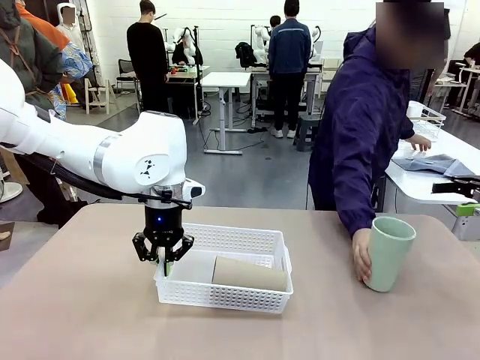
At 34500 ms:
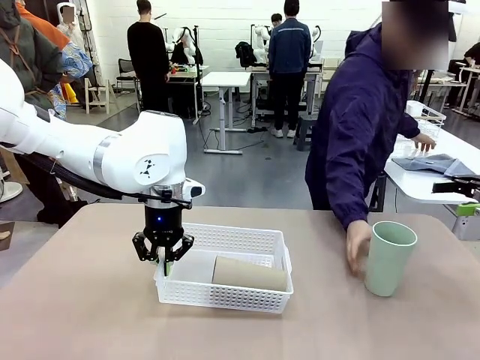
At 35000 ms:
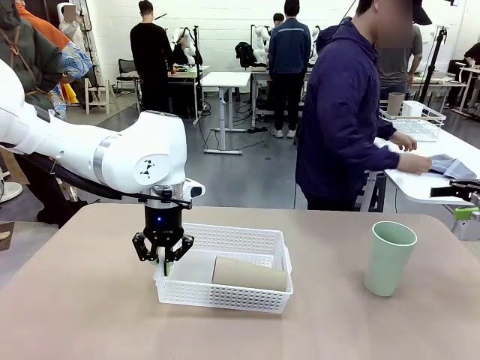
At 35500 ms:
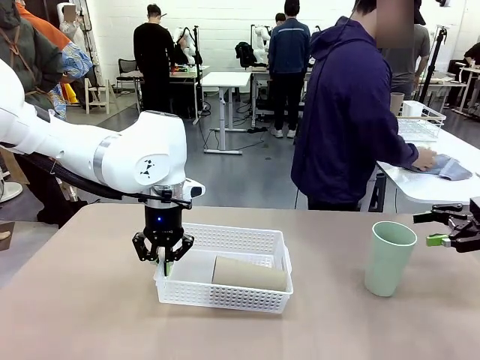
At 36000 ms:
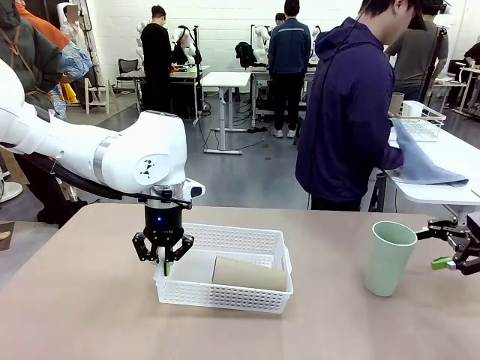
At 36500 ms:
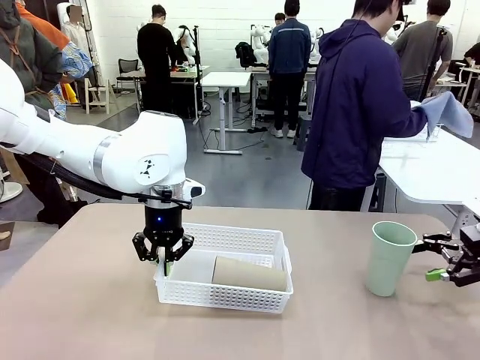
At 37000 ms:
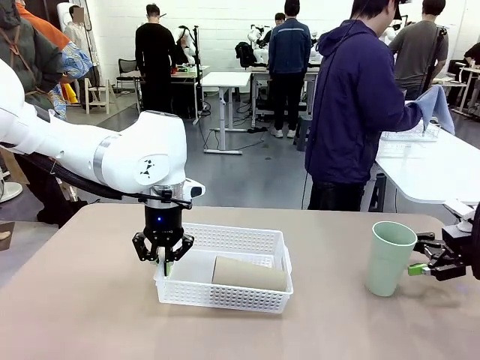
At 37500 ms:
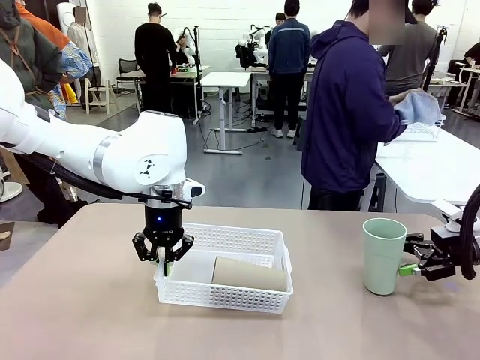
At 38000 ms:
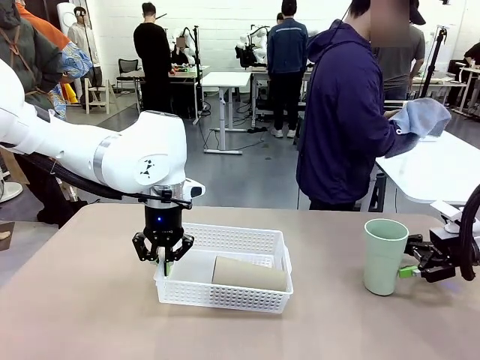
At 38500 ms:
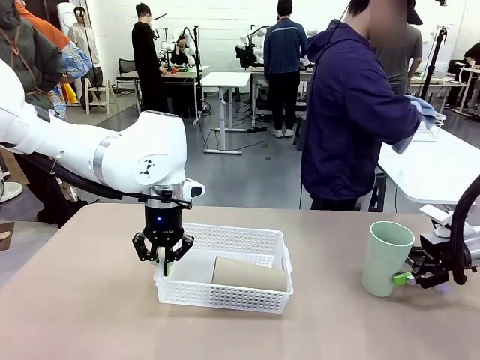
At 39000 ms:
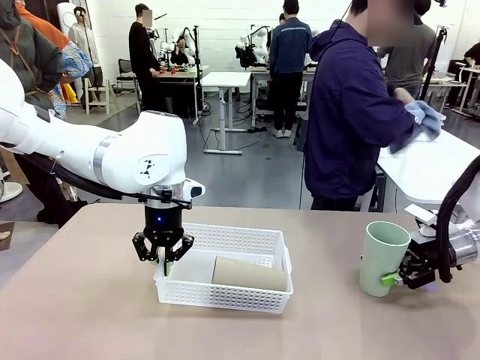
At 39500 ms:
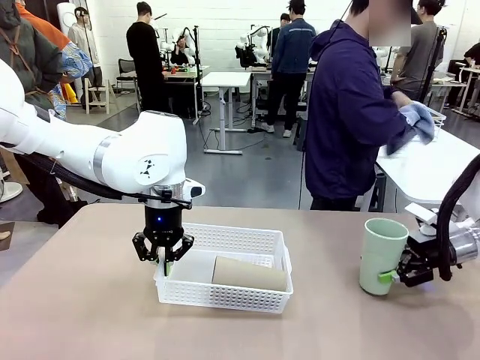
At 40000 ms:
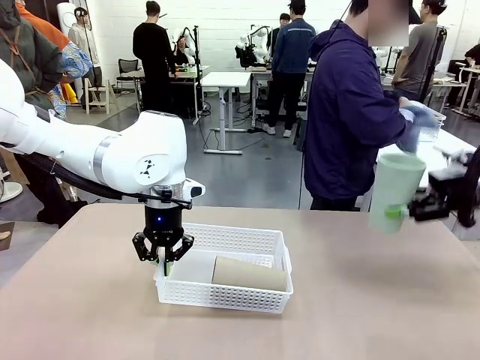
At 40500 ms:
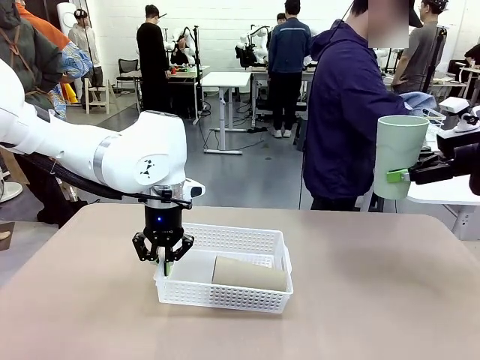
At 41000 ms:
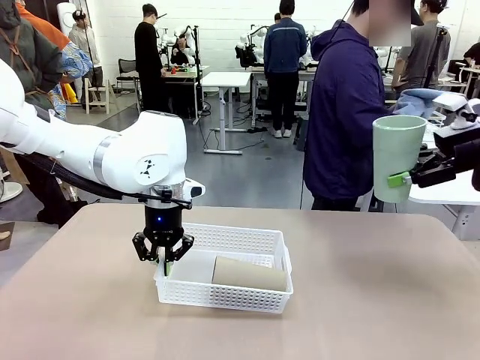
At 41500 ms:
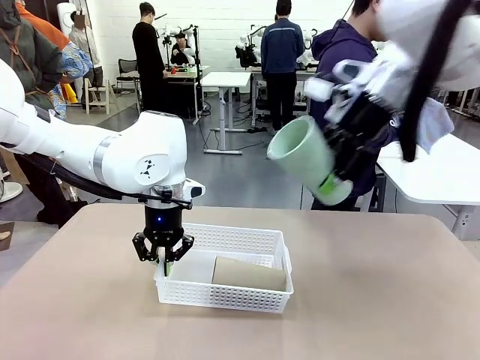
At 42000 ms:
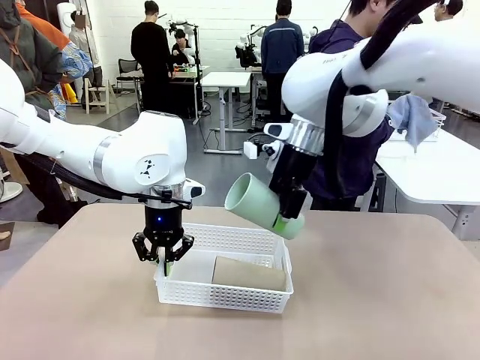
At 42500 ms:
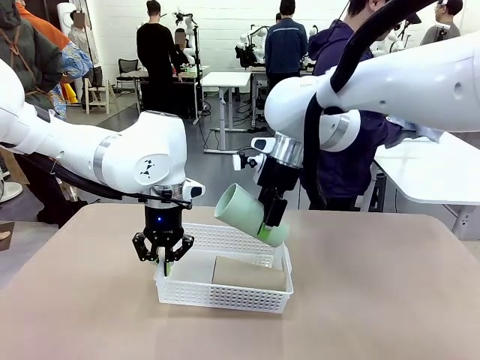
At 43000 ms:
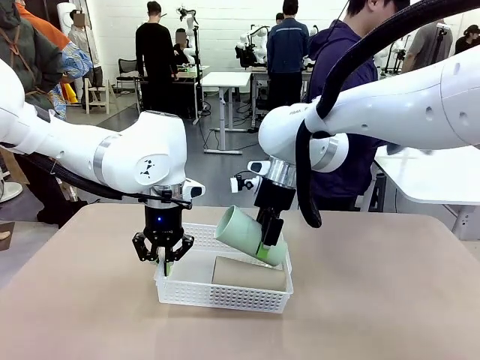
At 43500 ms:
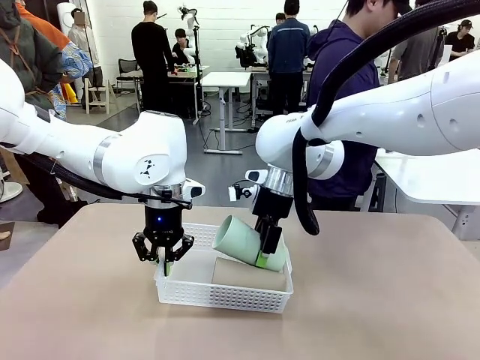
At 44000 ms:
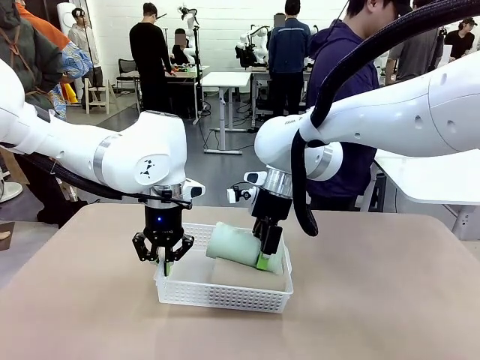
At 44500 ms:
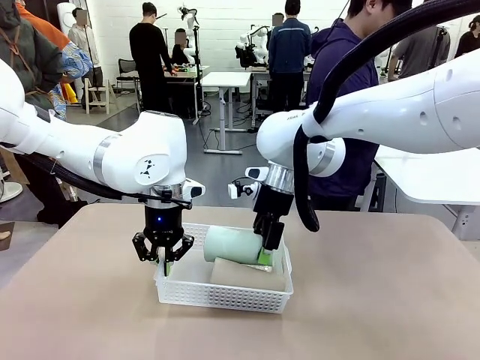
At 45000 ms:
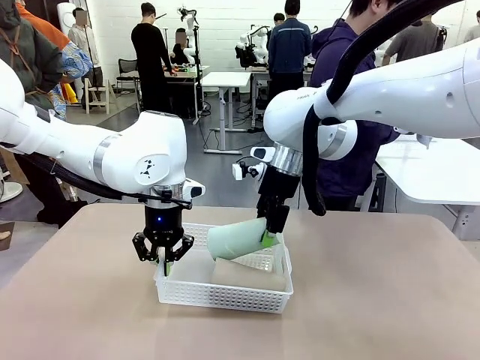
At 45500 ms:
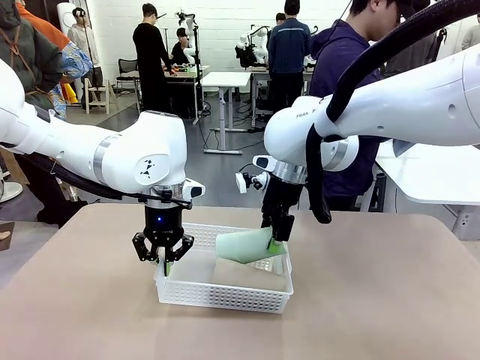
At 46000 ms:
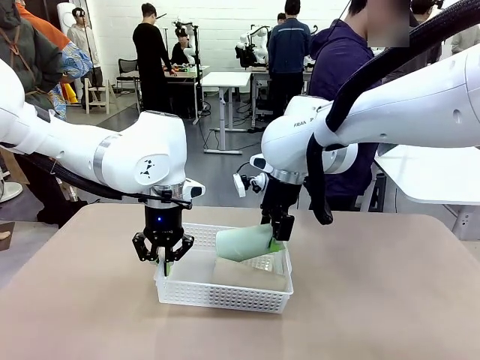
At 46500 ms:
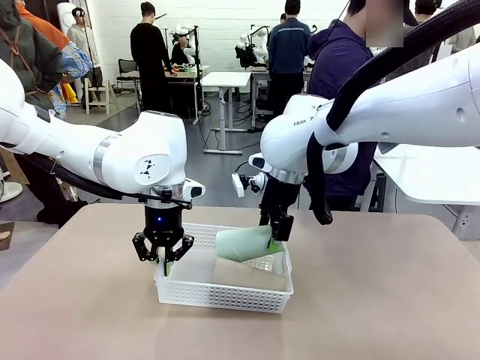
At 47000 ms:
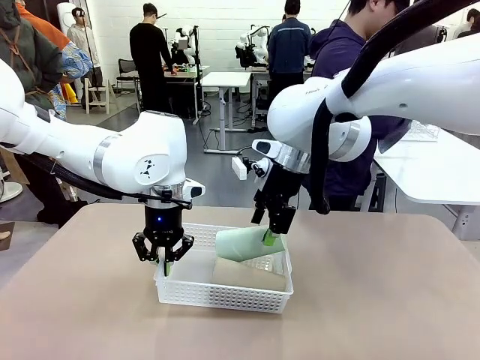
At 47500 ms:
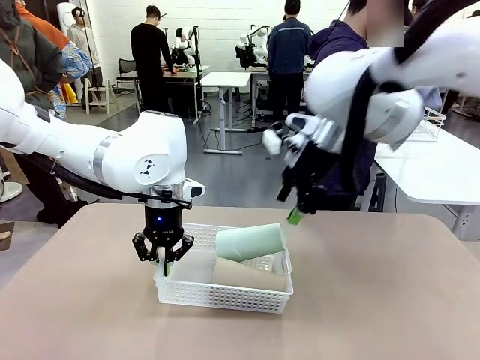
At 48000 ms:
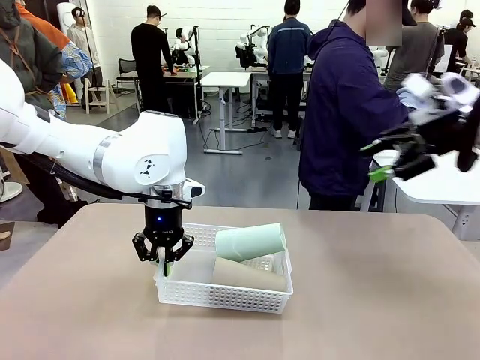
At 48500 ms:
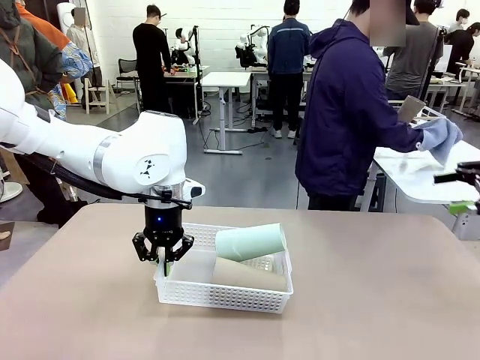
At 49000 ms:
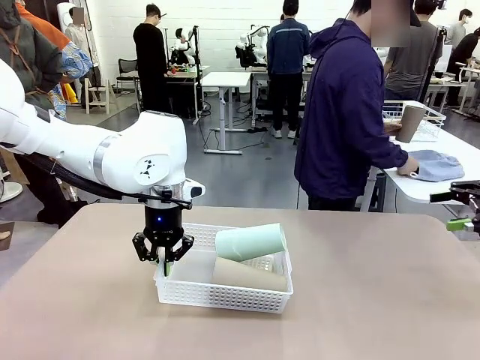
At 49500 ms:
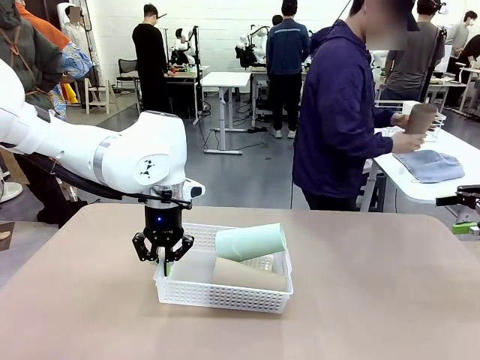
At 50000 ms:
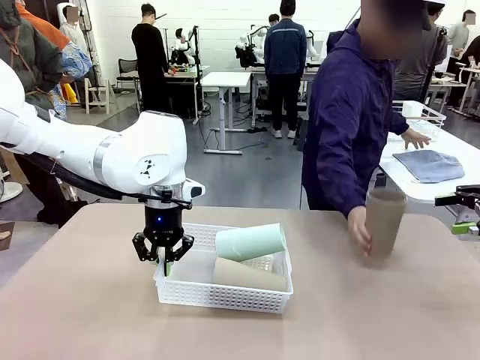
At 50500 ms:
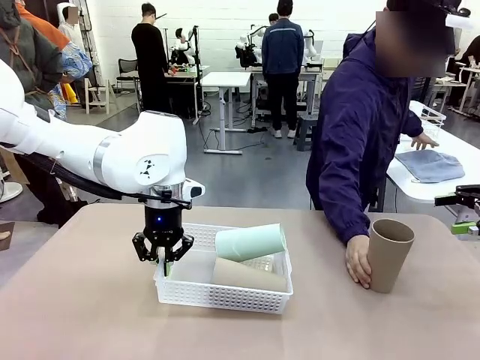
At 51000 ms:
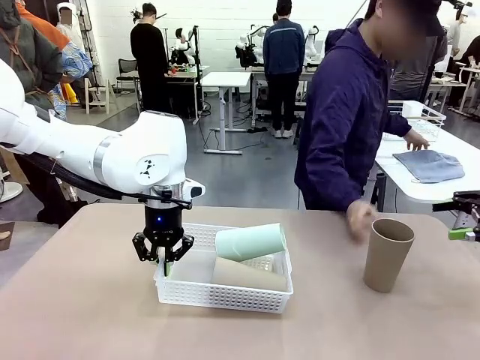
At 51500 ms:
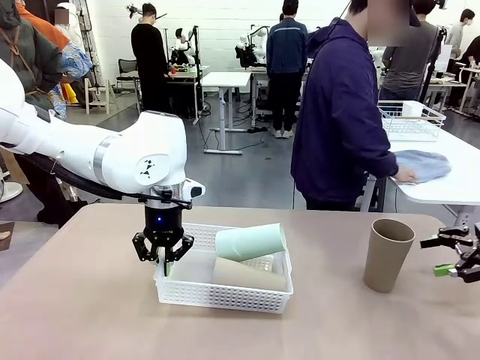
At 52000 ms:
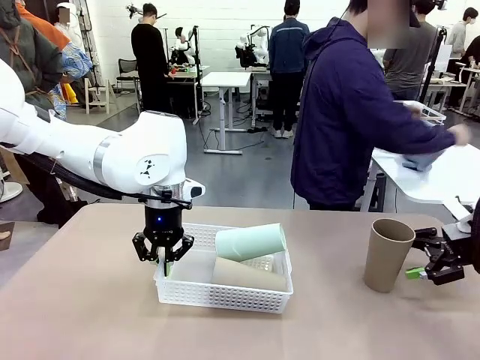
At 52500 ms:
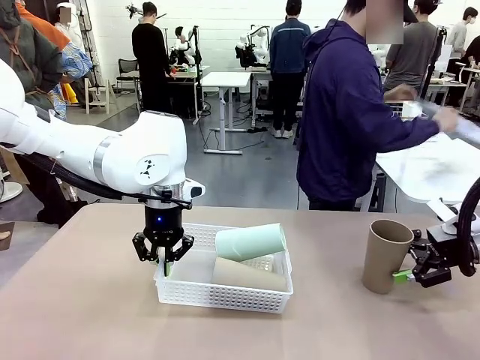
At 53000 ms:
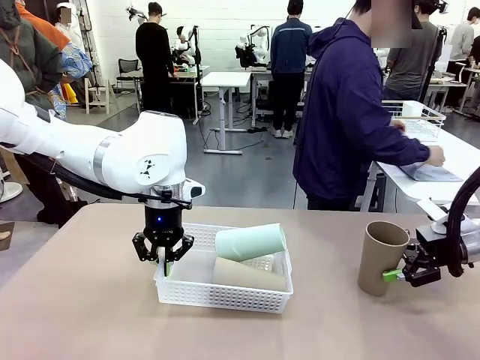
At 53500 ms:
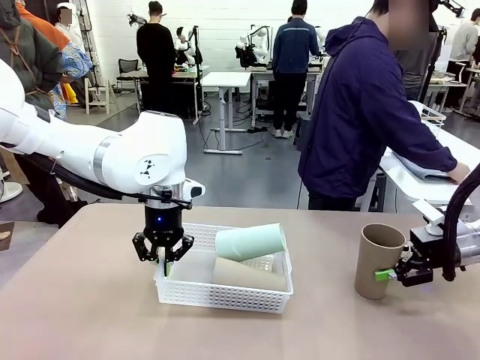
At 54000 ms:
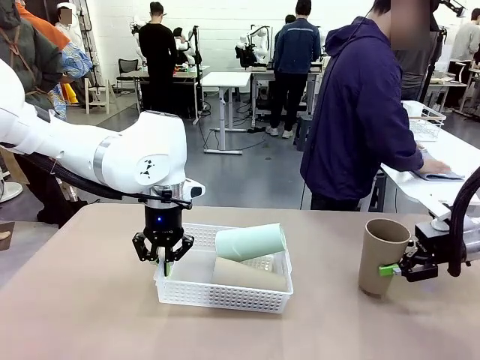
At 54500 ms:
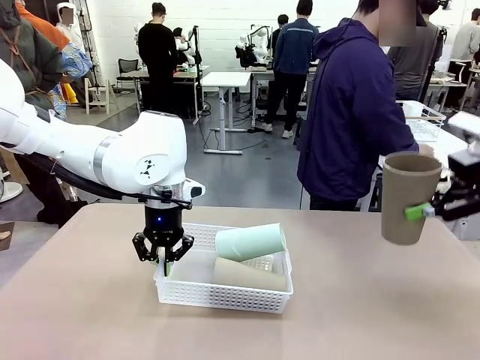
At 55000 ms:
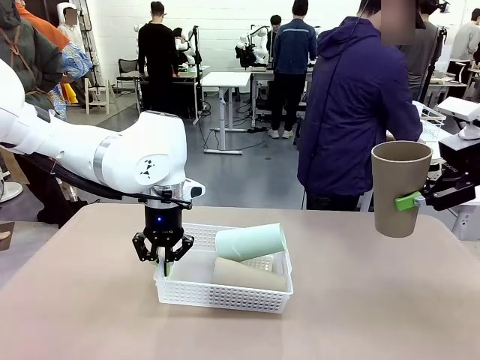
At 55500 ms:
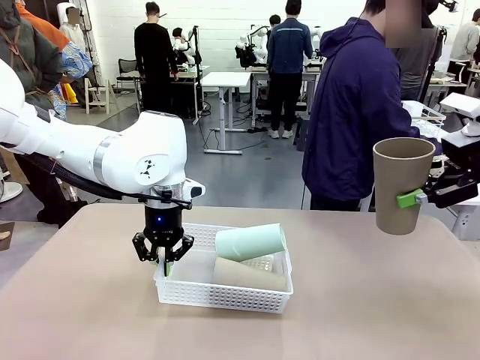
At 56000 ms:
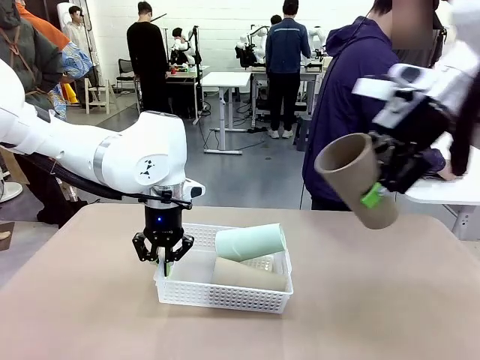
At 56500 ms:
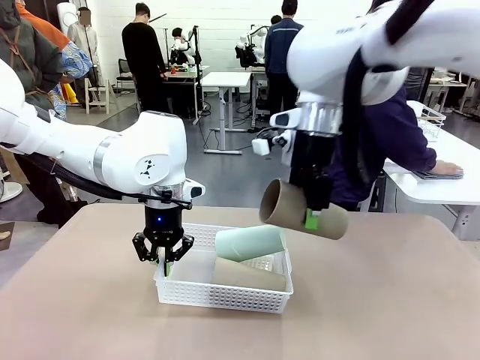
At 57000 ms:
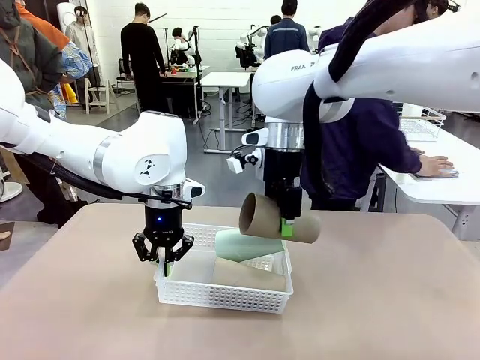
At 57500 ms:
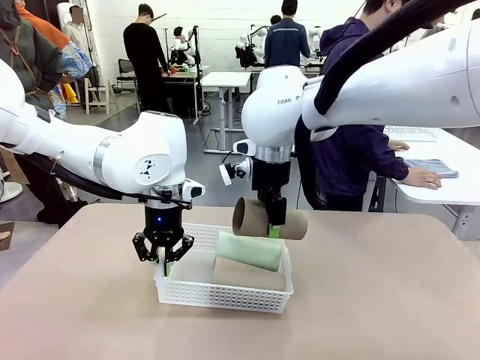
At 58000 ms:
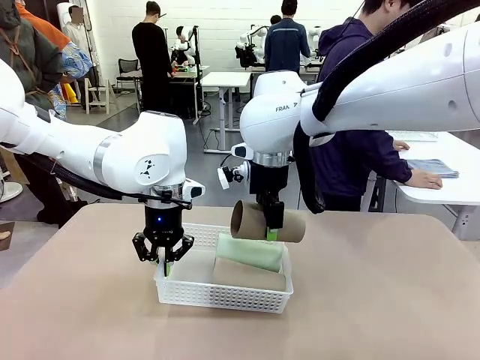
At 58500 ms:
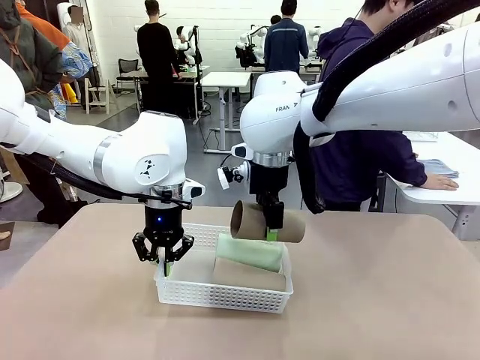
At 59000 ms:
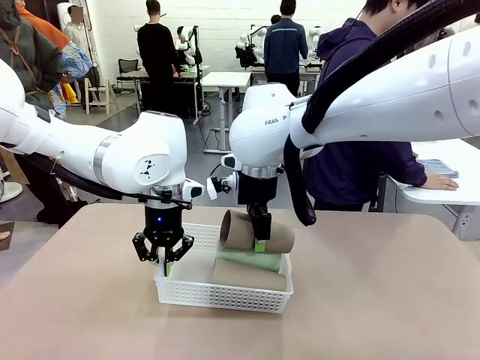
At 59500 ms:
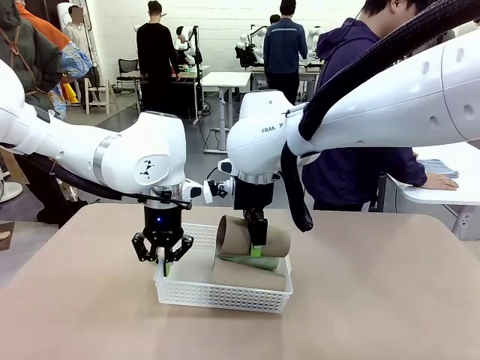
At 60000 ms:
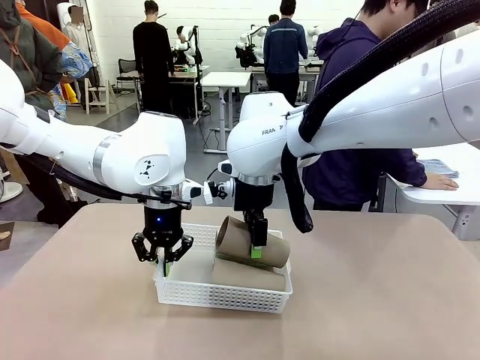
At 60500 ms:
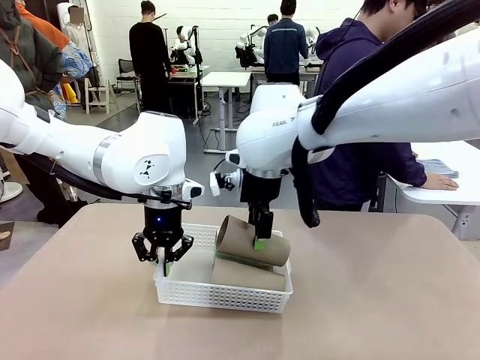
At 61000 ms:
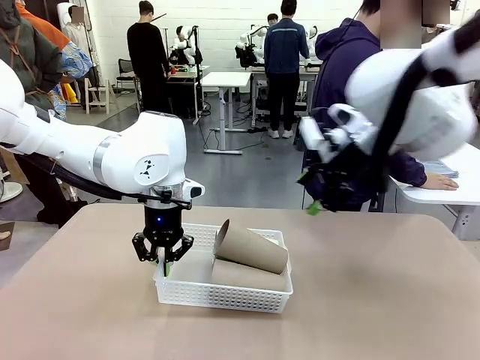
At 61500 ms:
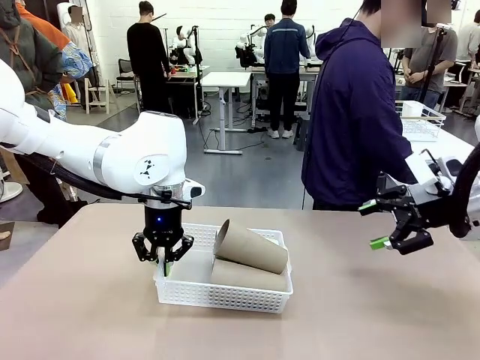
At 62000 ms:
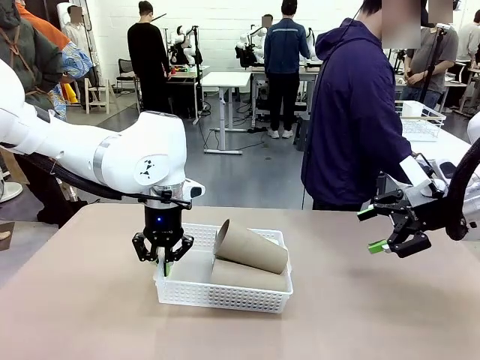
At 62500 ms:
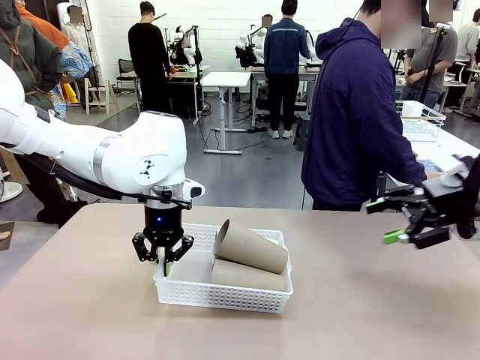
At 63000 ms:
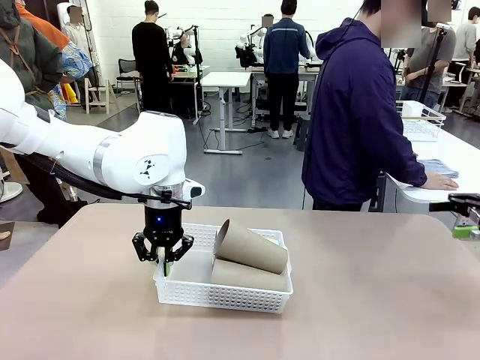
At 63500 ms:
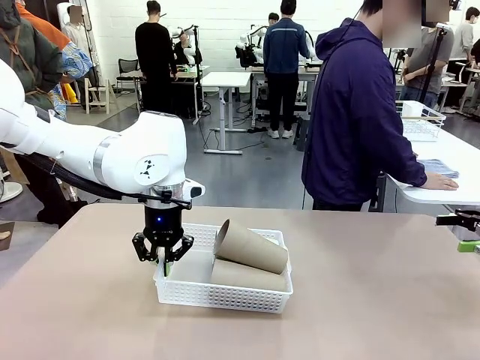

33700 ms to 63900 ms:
Task: Clean and organize the cups into the basket.
Robot: Pick up the Reusable plastic cup from the right side of the table and stack it inside the Organizing basket in the center of the table.
Person: Folds the towel in half twice and places it in the right of the table.
